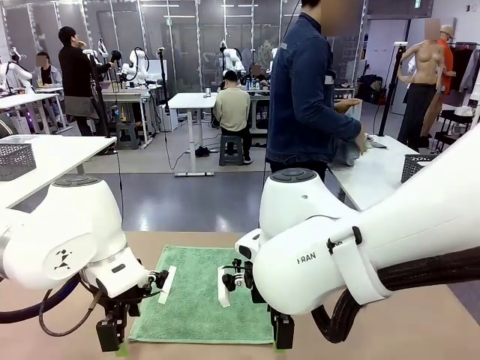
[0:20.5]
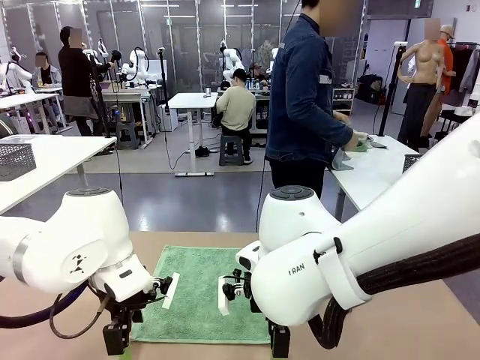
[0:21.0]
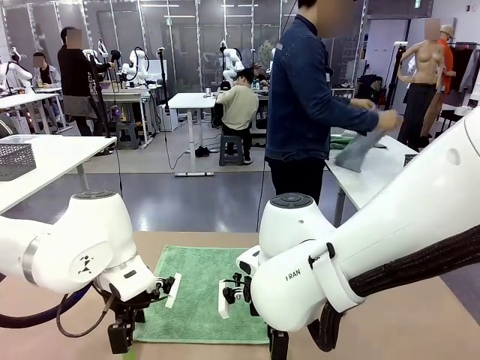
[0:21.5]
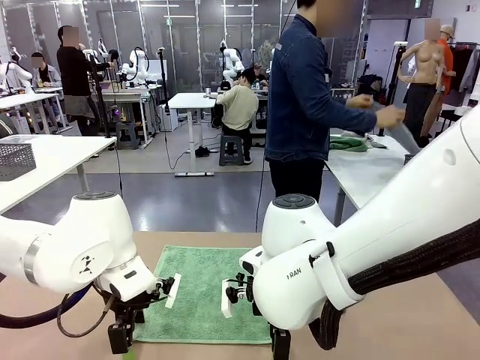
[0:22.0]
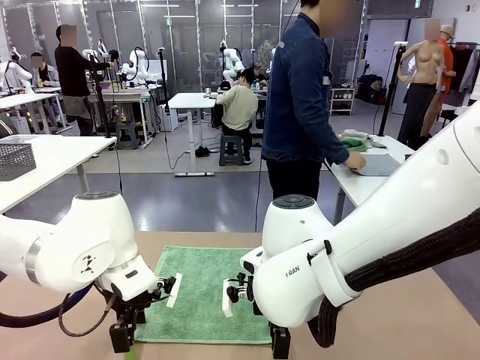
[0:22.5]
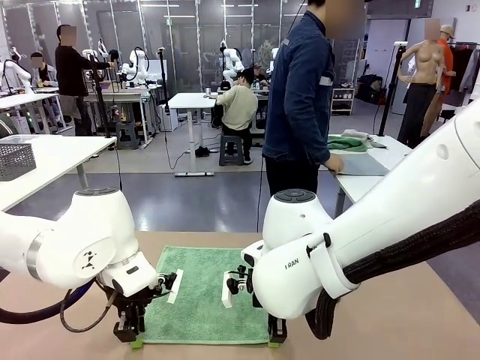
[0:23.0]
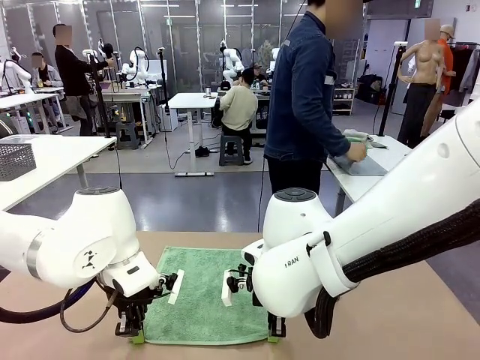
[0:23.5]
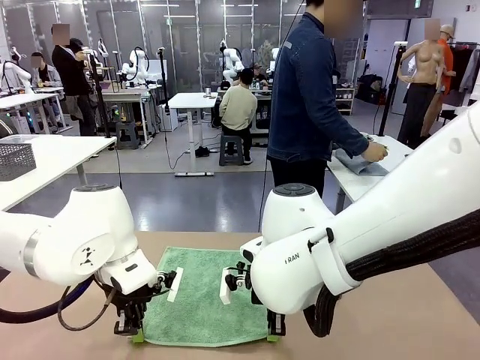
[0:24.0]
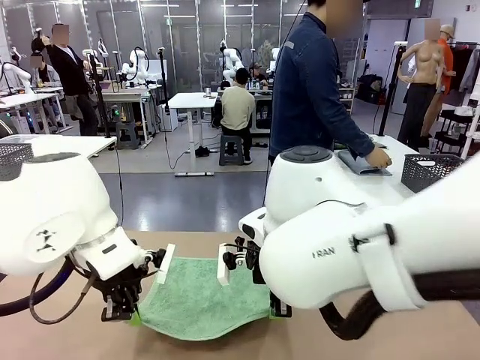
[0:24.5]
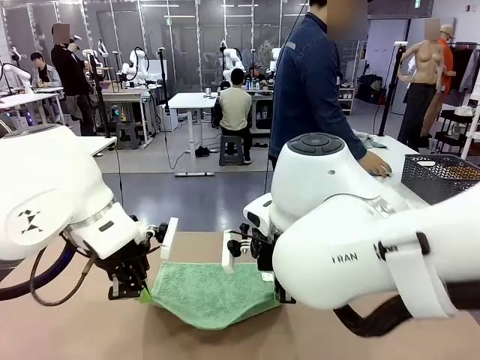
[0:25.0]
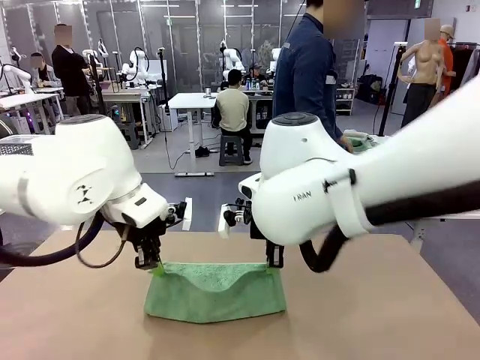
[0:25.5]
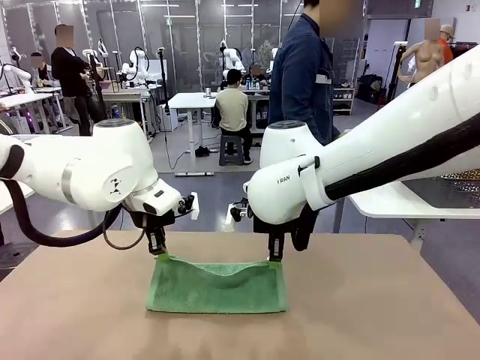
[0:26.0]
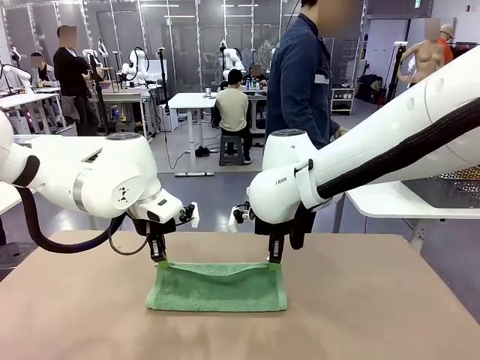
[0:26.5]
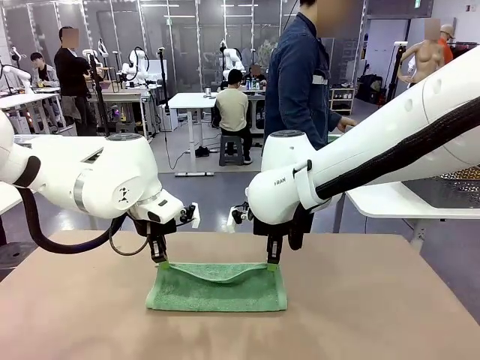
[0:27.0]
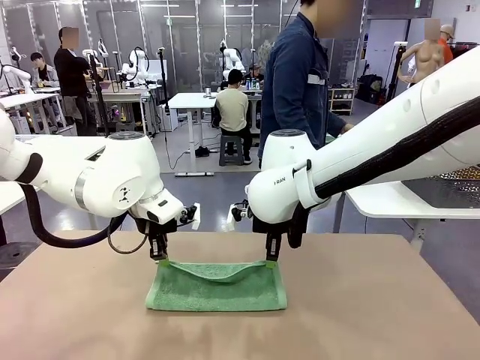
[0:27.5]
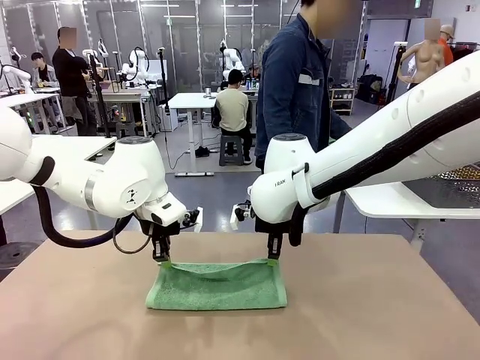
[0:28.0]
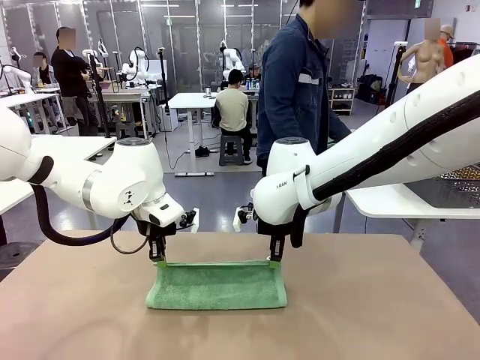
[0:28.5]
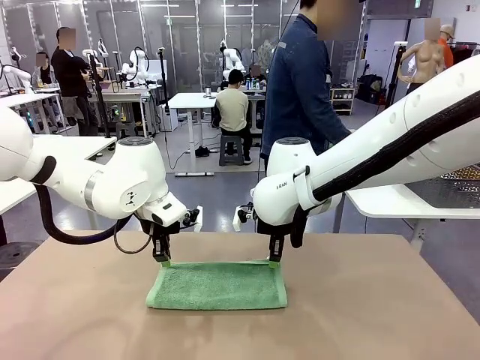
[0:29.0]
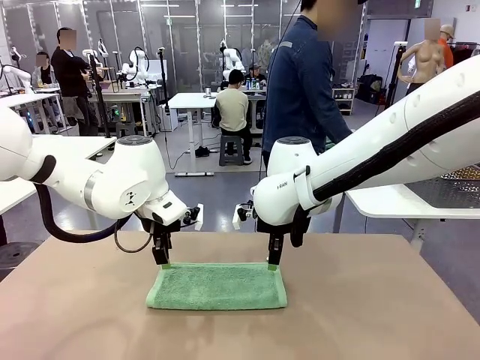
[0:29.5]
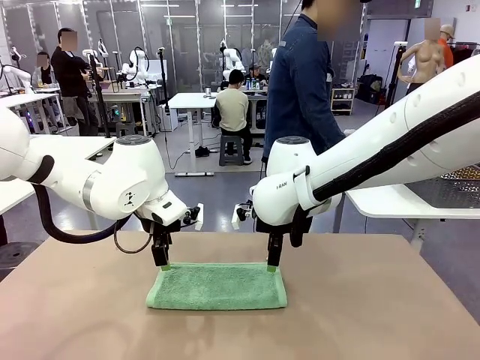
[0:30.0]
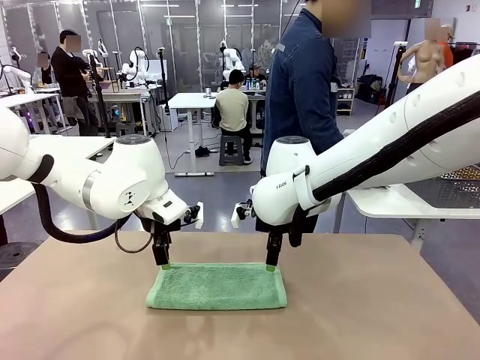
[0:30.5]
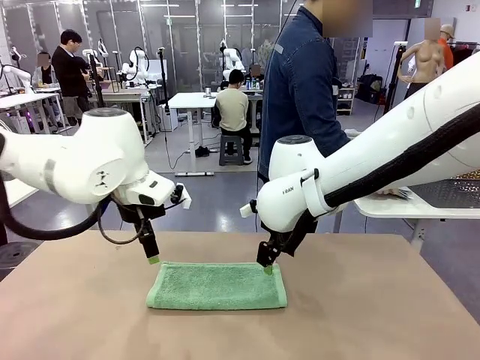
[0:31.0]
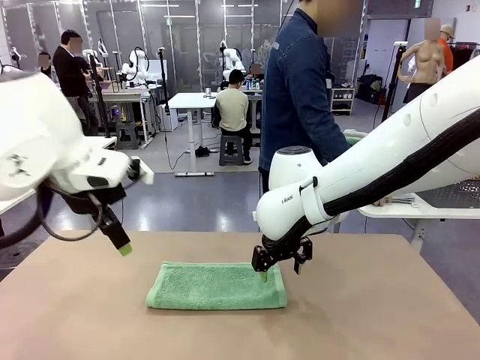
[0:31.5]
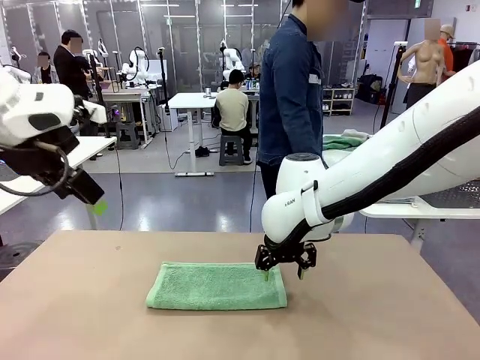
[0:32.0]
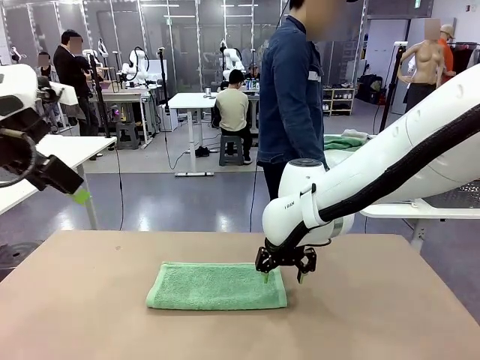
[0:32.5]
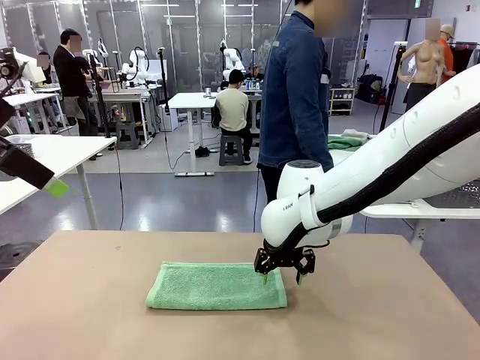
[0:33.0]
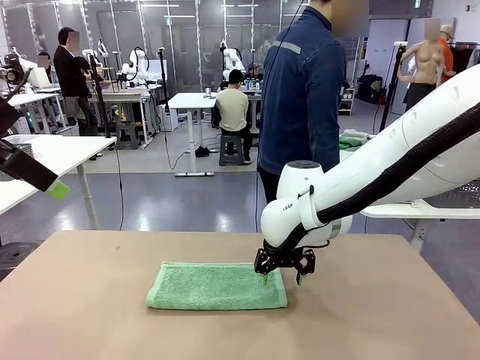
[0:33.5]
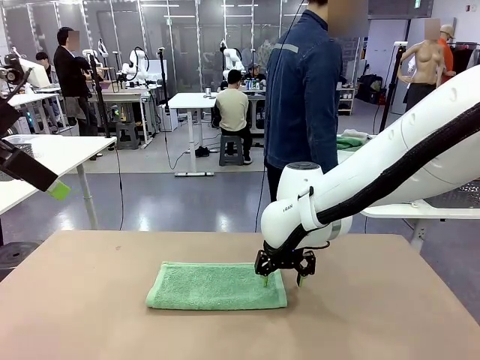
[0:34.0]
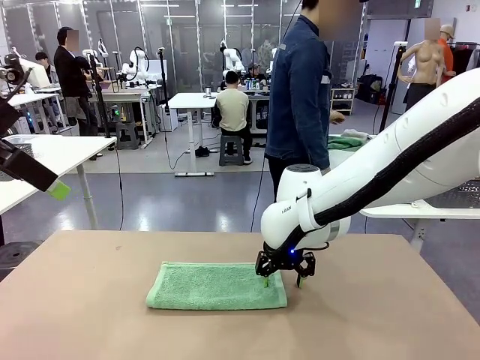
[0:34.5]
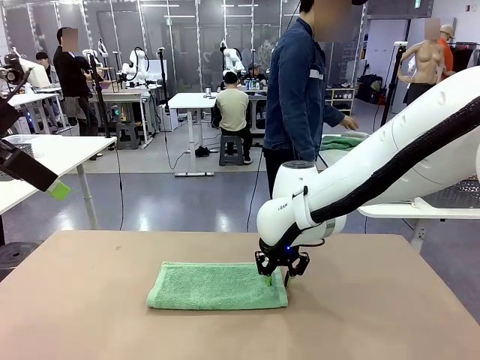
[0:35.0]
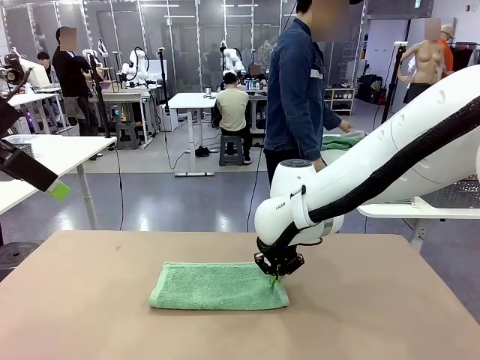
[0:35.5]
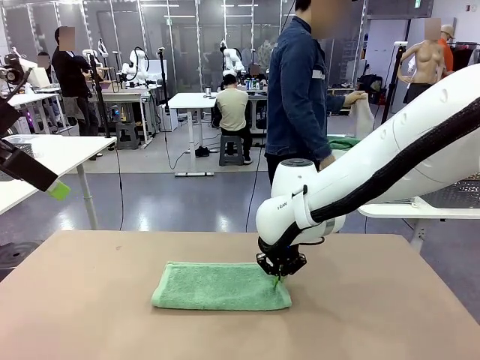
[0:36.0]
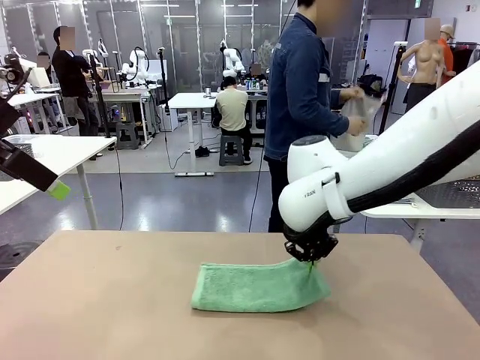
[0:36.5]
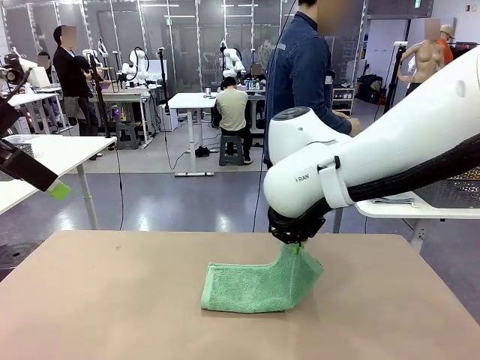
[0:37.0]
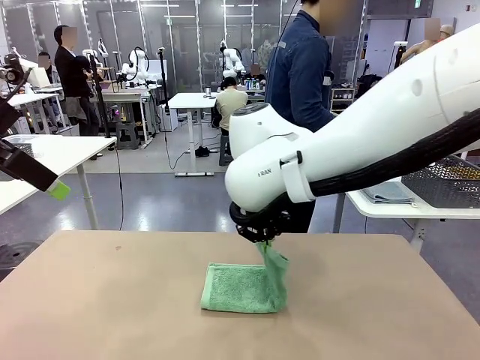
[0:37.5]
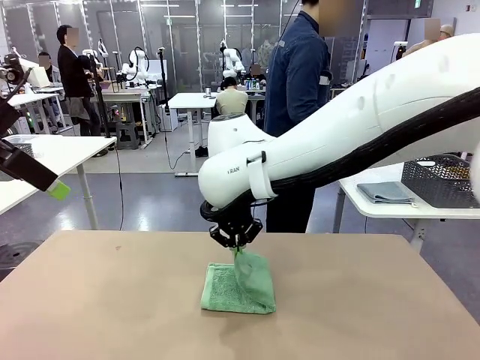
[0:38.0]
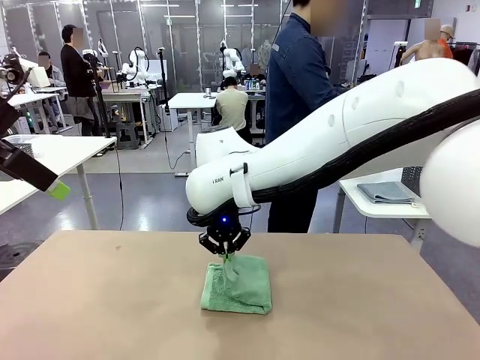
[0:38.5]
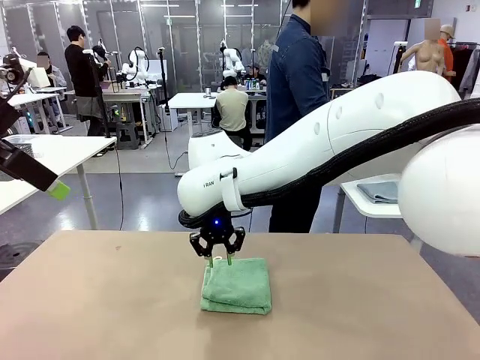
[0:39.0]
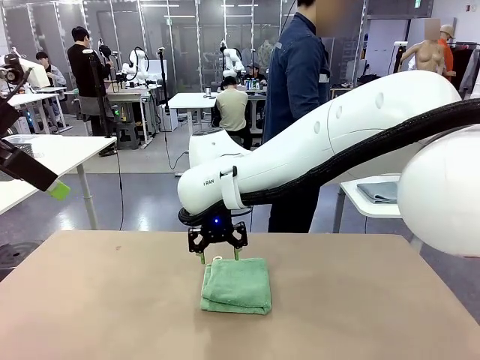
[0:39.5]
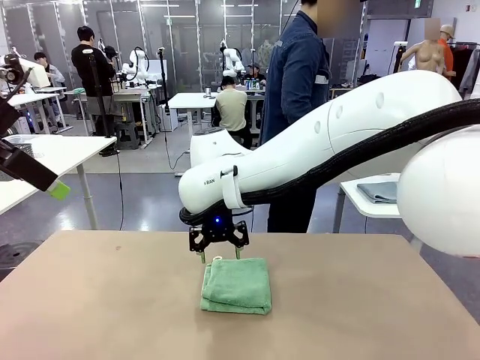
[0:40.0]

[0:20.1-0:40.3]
Task: Fold the towels and place them in the basket.
Robot: When a person lays out a Towel with hook on the table, fold it in half twice.
Person: Pick up one towel from the left side of the human table, fold it in half twice, and place it on the right side of the table.

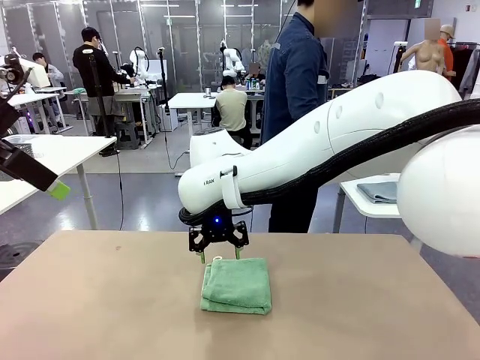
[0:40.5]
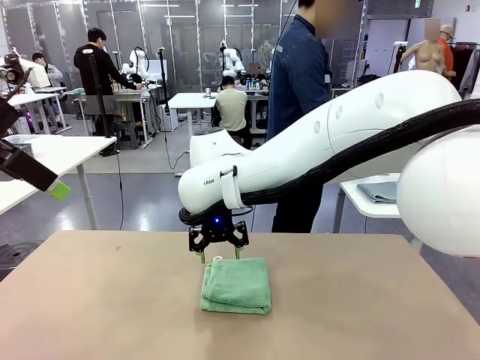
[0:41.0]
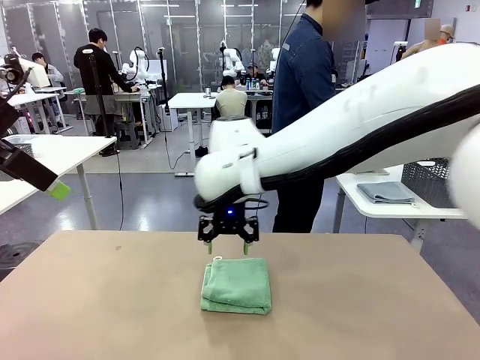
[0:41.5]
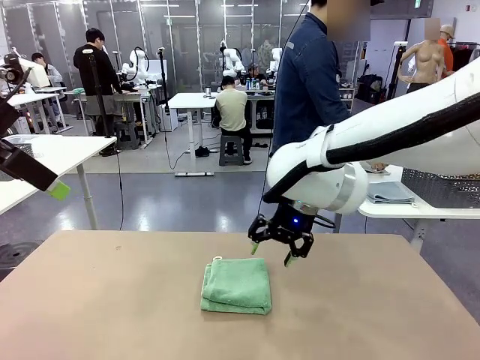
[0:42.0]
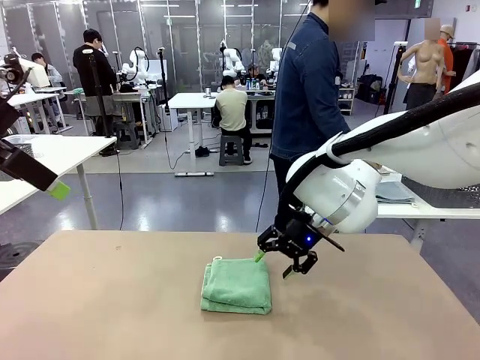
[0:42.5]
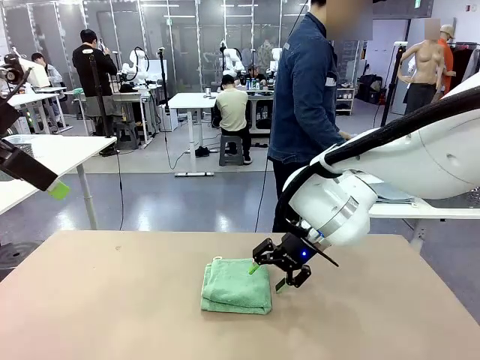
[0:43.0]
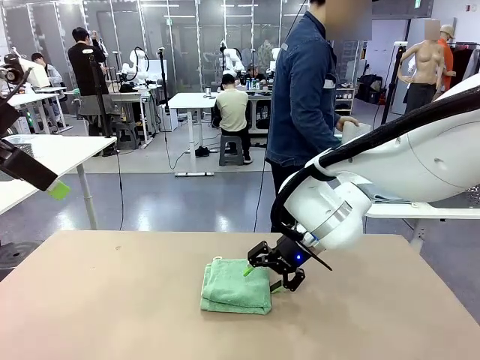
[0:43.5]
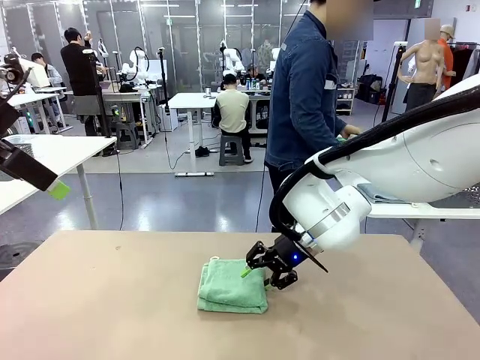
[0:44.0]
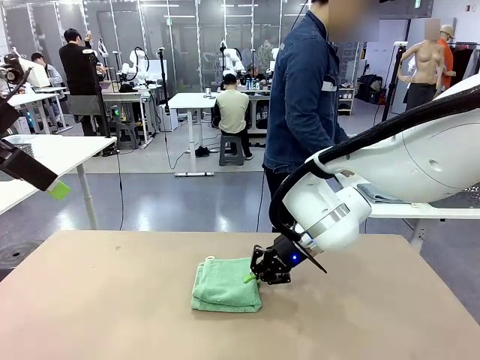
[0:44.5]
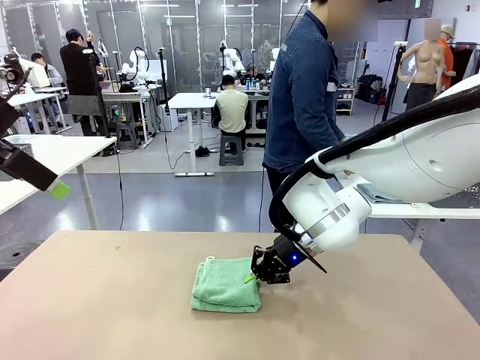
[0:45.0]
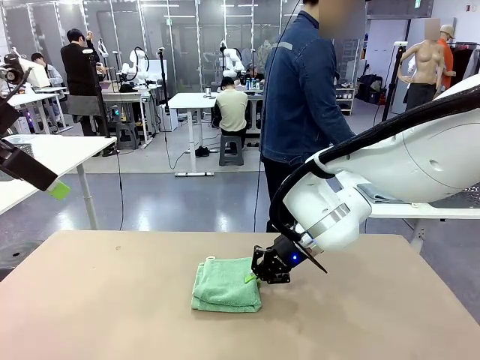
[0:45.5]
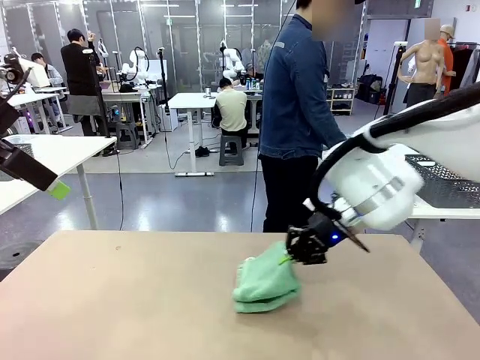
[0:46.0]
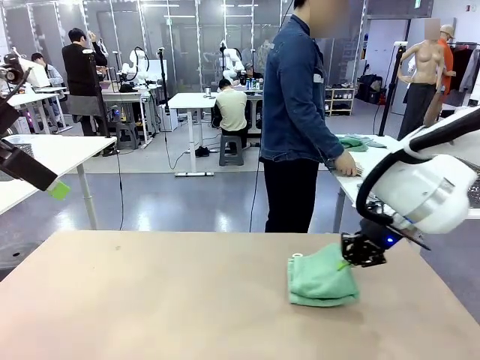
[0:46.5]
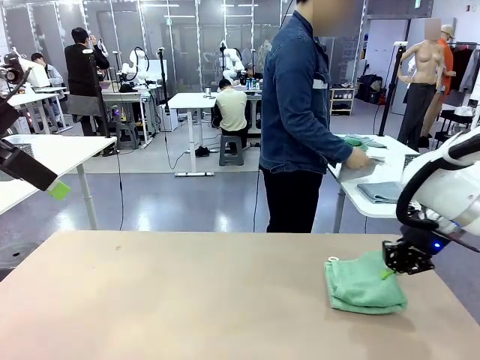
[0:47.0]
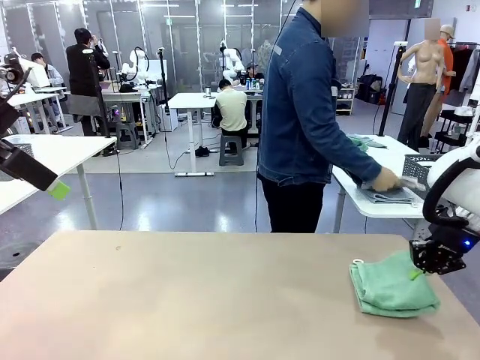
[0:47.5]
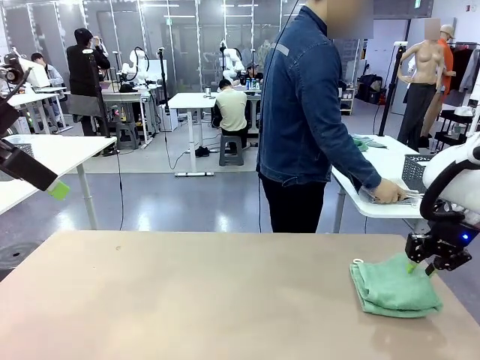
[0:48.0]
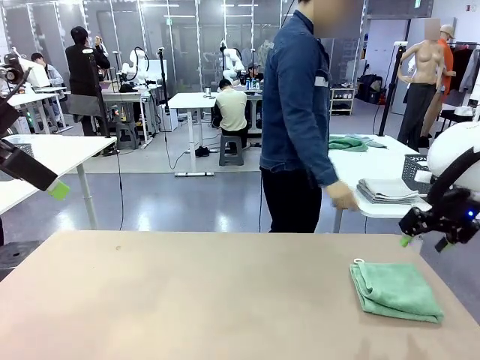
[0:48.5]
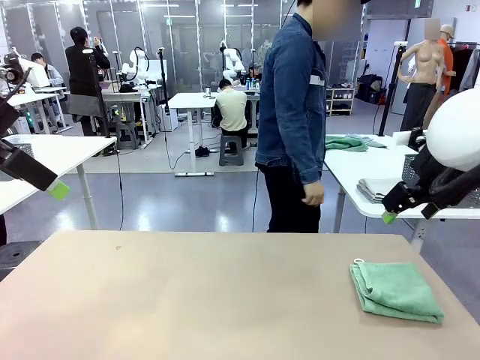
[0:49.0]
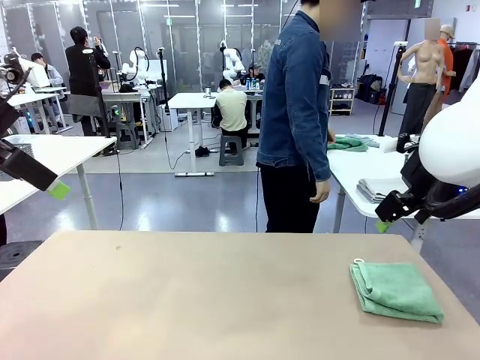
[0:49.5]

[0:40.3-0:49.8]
Robot: Place the folded Towel with hook on the right side of the table.
Person: Pick up one towel from the left side of the human table, fold it in half twice, and stack it on the right side of the table.
